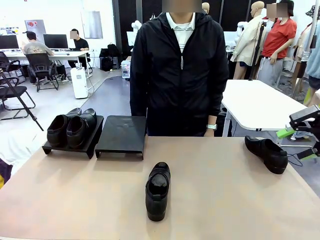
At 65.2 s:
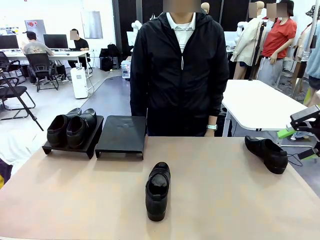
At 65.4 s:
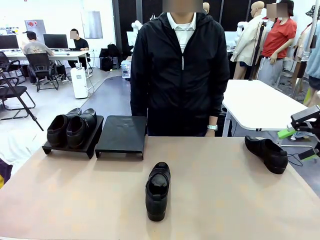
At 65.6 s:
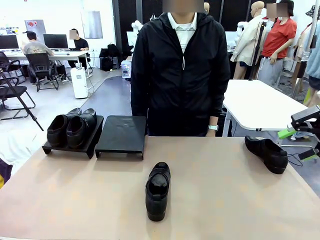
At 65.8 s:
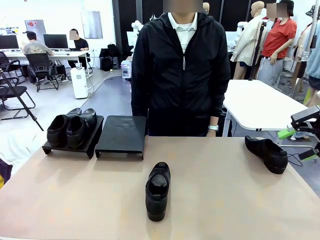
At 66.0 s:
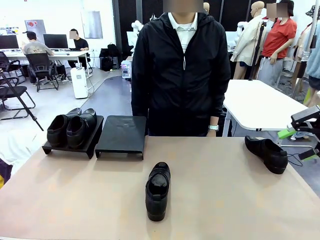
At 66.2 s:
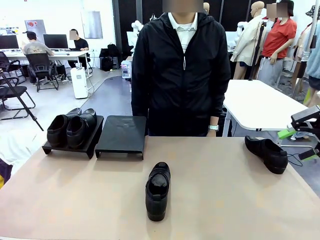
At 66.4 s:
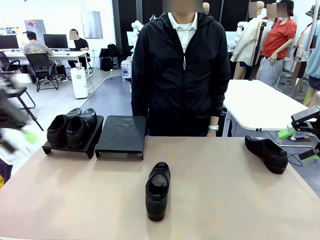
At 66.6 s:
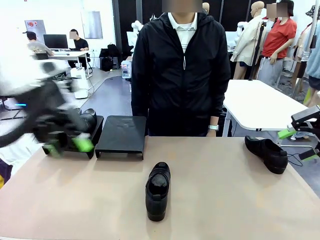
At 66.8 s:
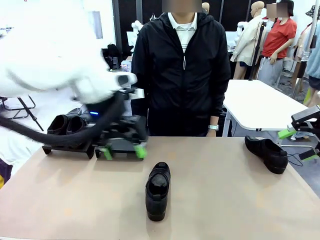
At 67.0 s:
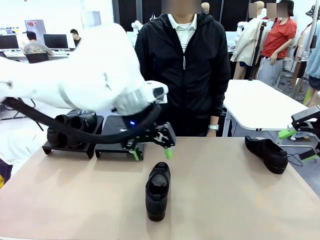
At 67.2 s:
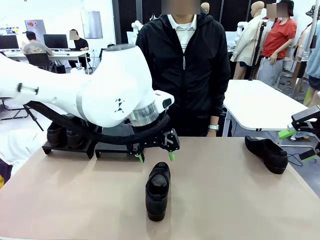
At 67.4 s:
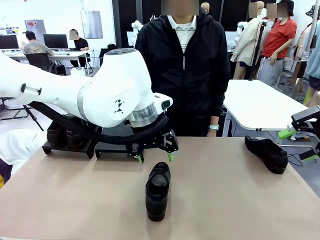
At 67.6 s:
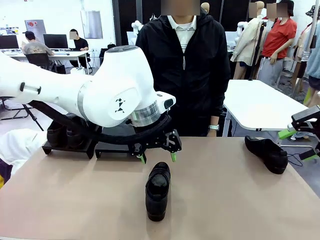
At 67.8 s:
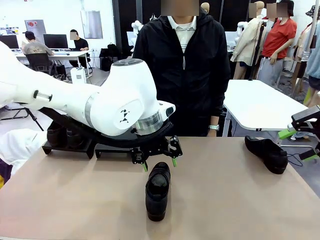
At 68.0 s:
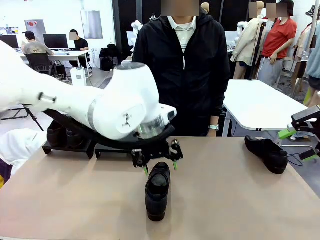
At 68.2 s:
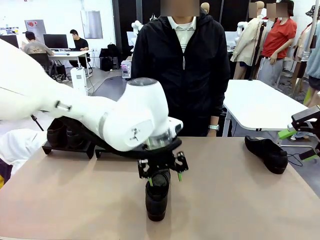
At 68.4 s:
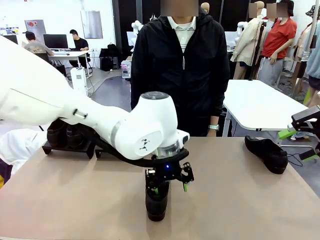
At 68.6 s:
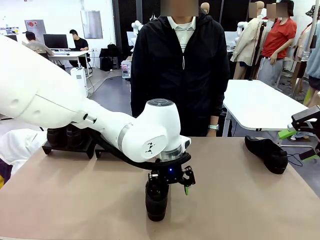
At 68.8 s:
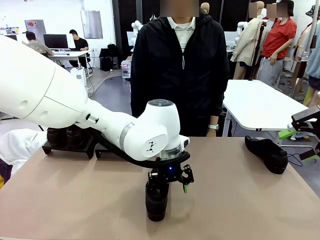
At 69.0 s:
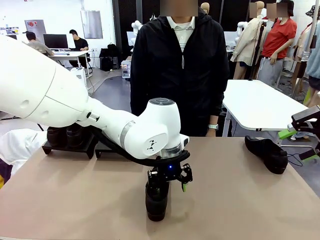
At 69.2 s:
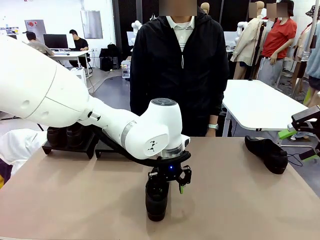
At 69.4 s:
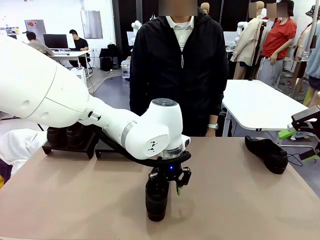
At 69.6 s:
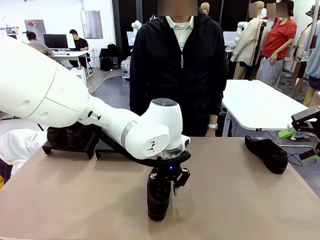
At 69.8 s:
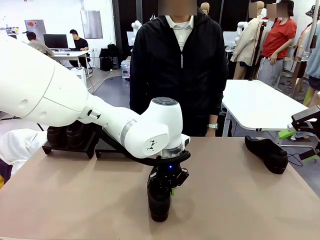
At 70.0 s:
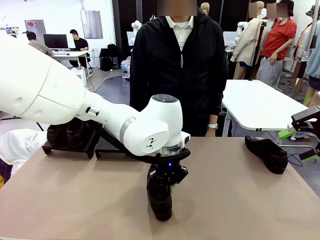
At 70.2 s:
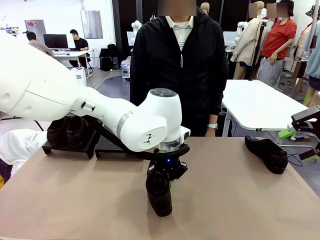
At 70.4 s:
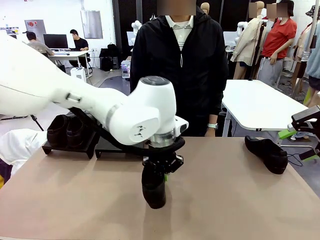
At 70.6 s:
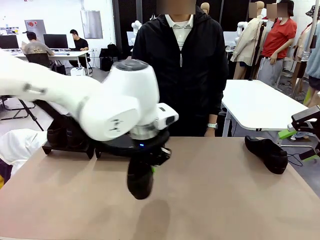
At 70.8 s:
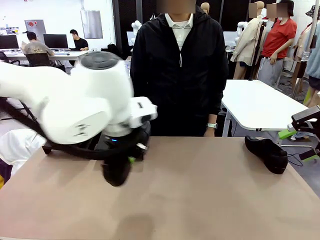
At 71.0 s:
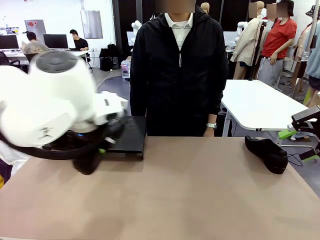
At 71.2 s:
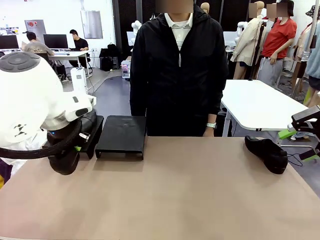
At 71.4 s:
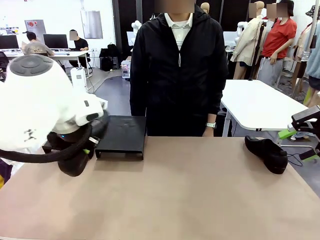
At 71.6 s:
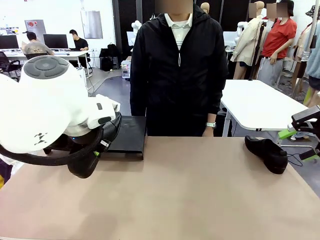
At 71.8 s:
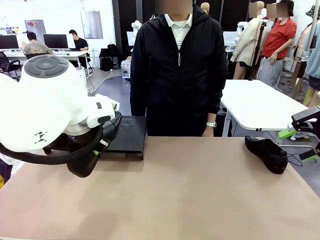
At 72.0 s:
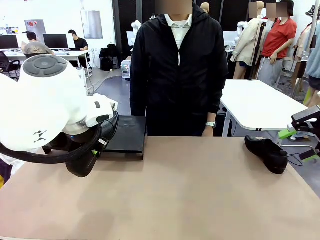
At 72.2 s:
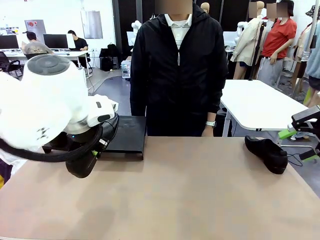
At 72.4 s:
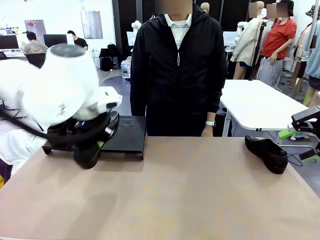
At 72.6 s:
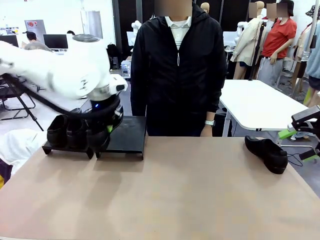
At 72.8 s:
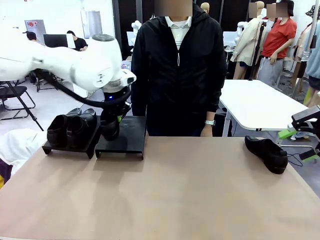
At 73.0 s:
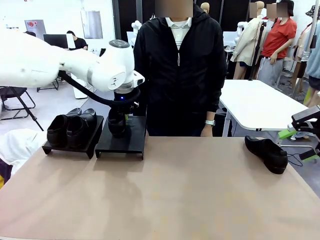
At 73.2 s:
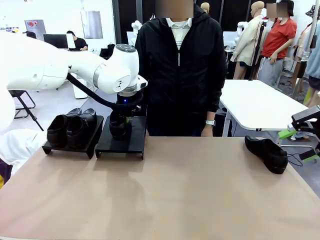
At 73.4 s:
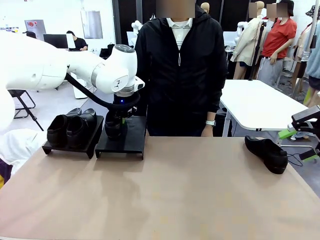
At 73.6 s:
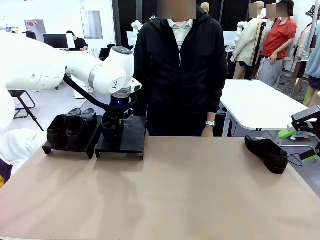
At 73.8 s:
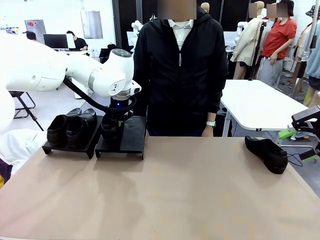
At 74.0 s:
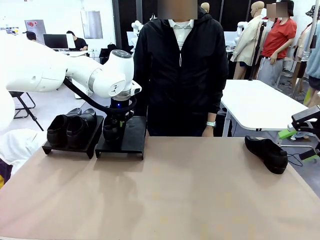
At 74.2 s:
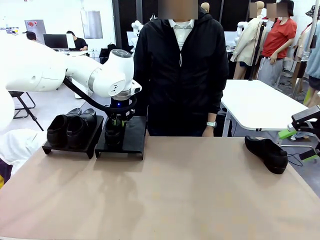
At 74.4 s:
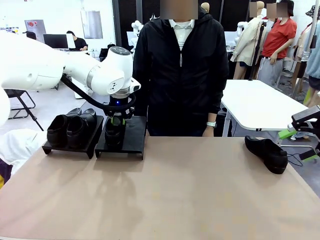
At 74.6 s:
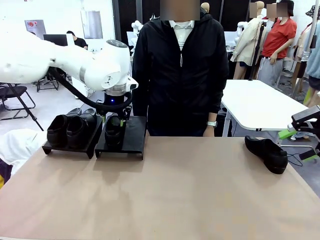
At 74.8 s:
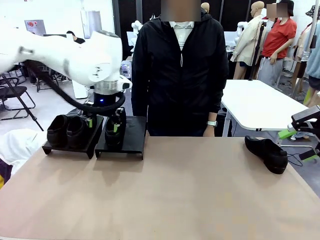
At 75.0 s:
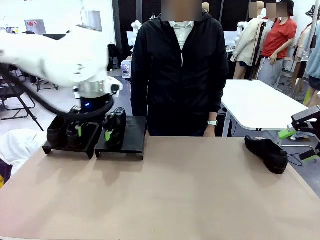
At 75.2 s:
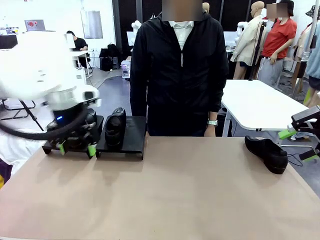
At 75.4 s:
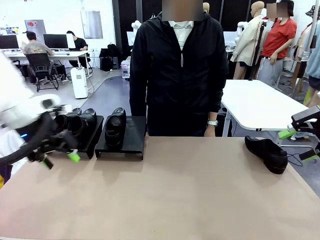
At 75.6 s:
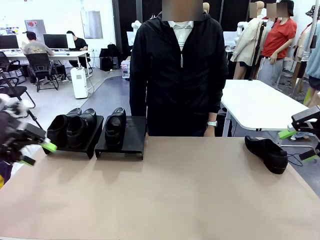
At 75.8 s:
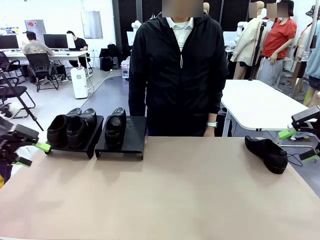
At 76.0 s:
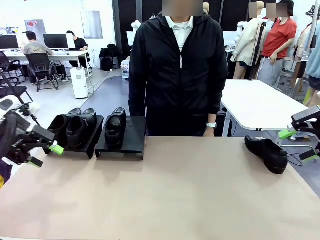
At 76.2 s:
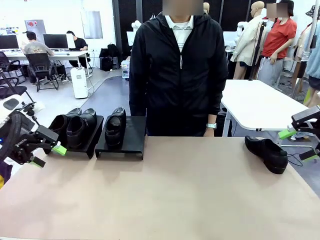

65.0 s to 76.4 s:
Task: Organize the shoes by placing them on the stand.
Robot: Place the Shoe from the middle of the table onto the Shoes Stand.

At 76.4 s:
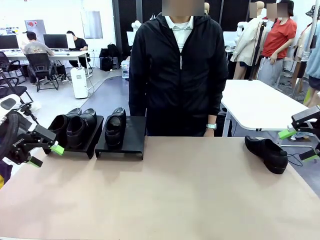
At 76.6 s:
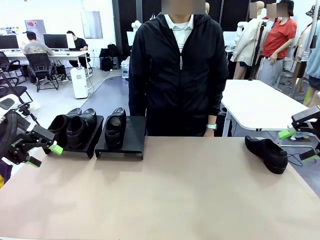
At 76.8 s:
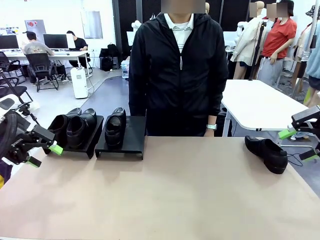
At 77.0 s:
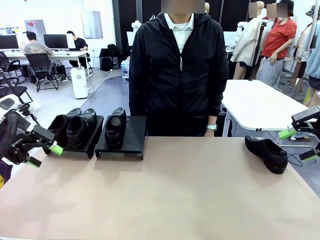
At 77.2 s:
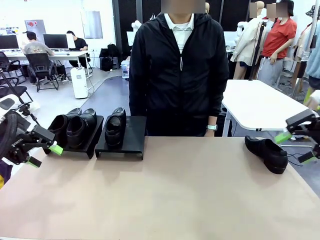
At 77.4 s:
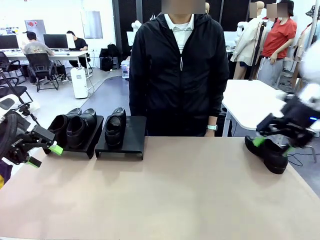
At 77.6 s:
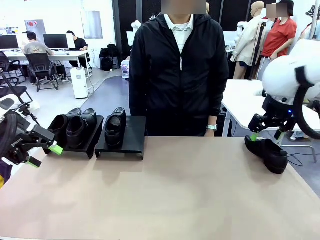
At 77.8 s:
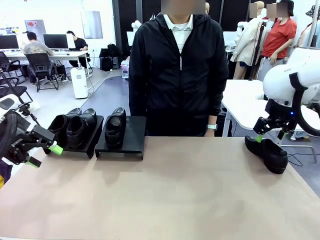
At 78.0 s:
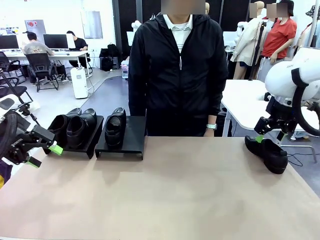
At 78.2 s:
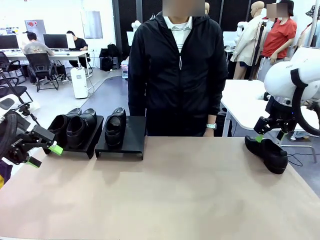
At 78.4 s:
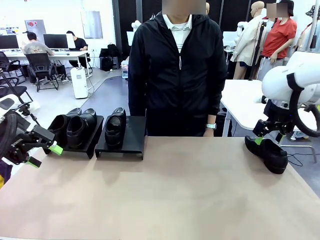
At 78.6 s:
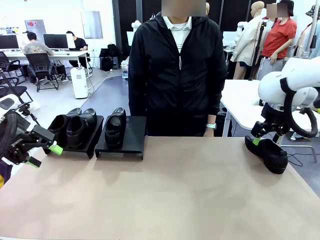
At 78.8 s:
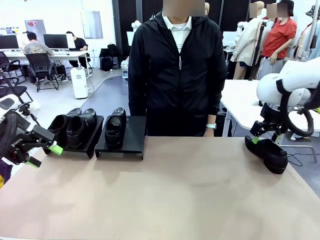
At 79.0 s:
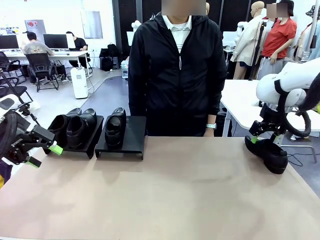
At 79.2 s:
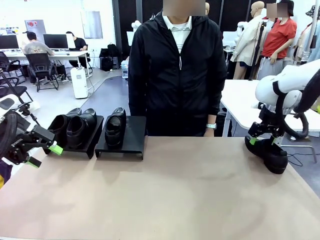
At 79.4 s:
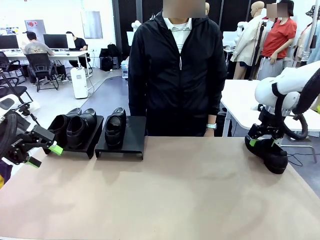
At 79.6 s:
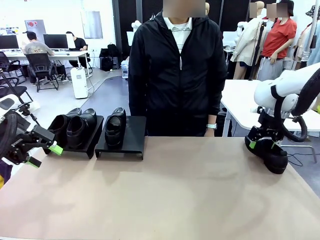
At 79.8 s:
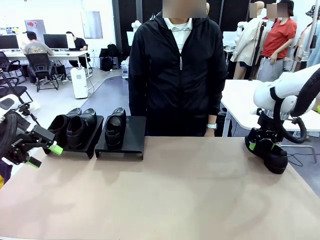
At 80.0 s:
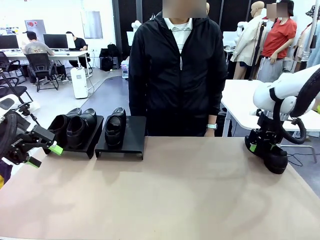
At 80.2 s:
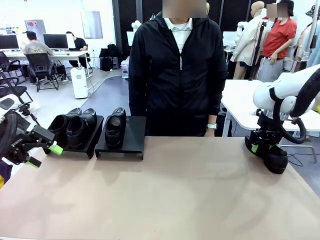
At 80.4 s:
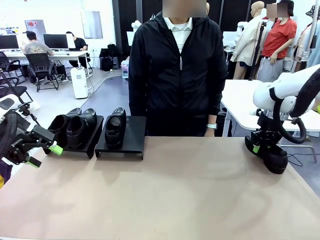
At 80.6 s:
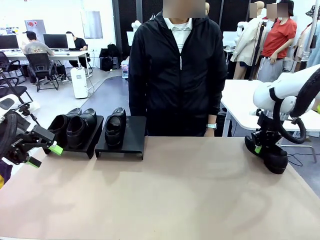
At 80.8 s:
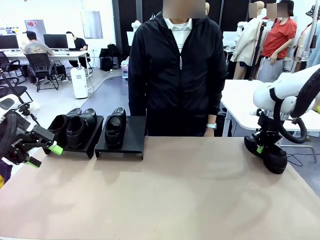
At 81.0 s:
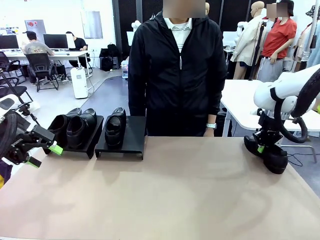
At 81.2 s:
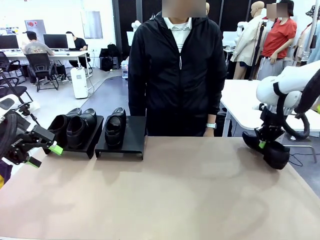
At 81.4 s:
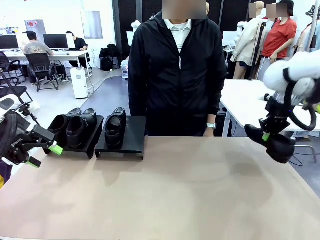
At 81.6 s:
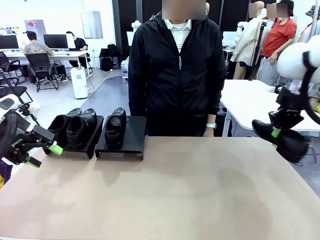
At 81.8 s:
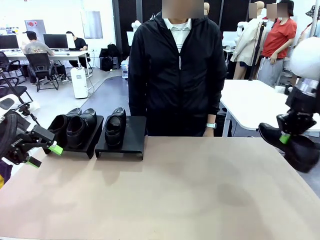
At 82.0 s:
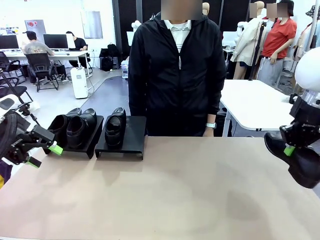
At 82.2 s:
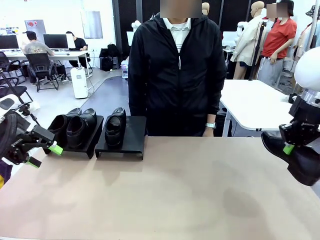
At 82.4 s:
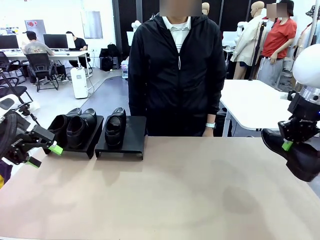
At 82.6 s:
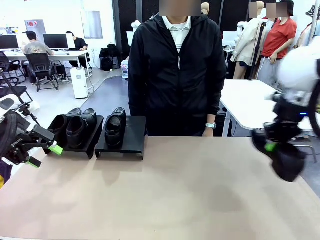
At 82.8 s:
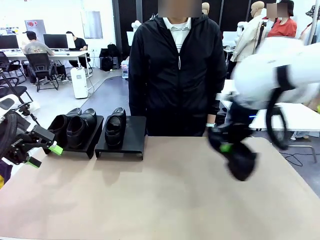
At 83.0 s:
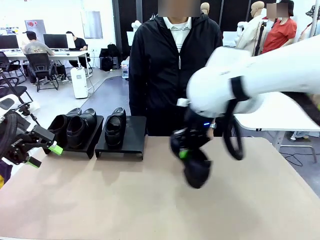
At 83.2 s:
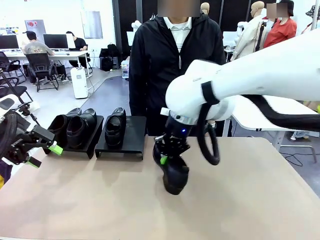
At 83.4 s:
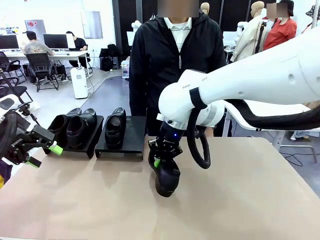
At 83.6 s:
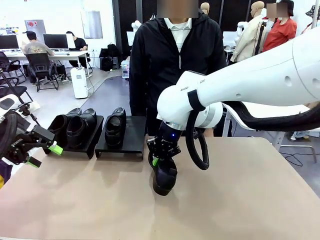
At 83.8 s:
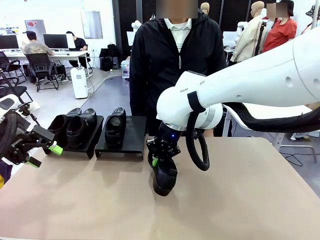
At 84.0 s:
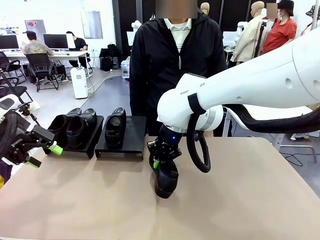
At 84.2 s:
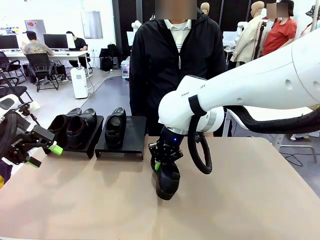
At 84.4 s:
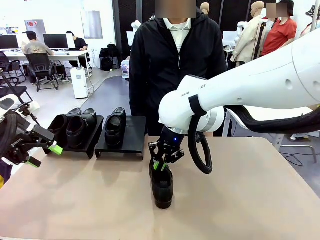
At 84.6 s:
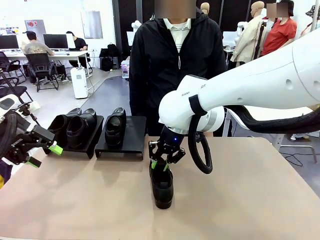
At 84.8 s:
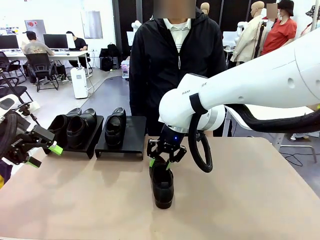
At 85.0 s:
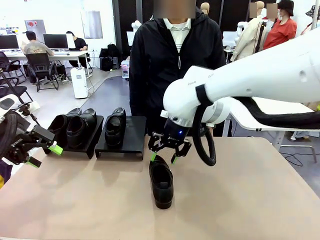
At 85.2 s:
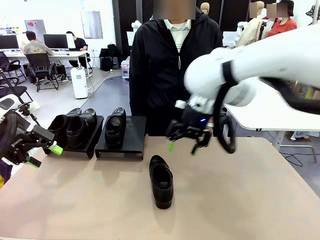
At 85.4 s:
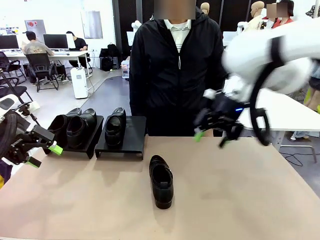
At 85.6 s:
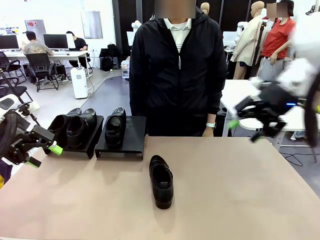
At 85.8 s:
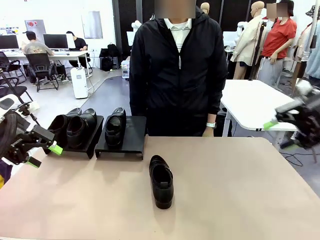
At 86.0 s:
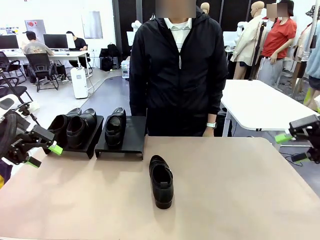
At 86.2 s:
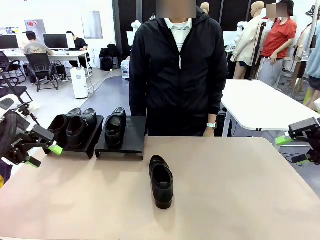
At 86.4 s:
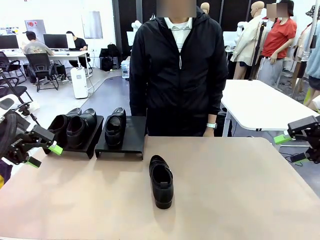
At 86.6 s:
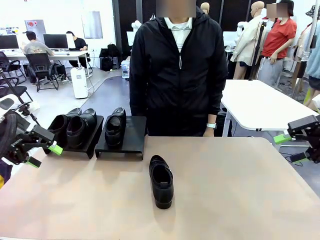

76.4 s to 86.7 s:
Robot: Pick up one Shoe and place it in the middle of the table.
